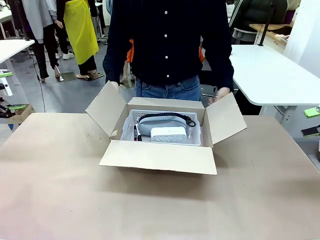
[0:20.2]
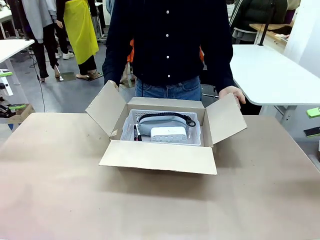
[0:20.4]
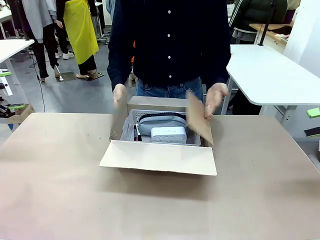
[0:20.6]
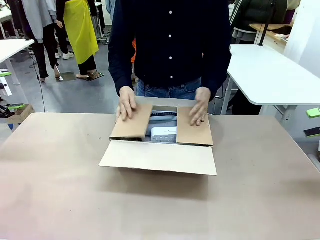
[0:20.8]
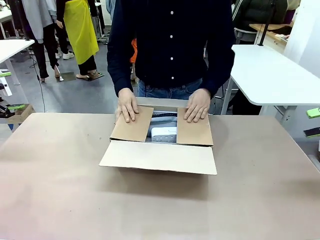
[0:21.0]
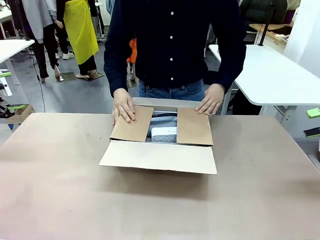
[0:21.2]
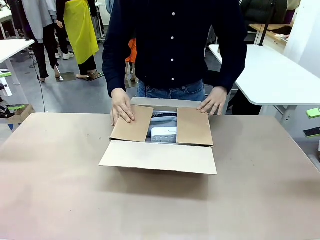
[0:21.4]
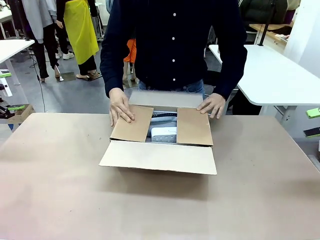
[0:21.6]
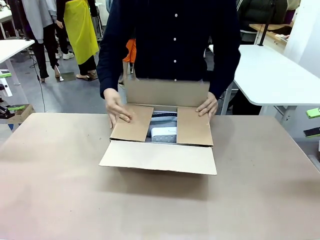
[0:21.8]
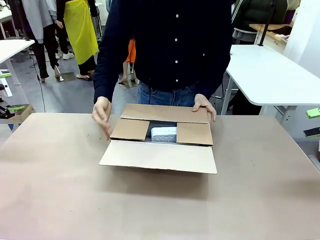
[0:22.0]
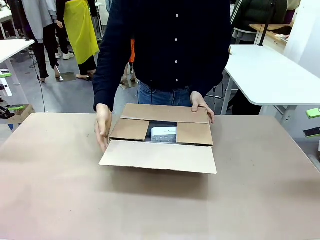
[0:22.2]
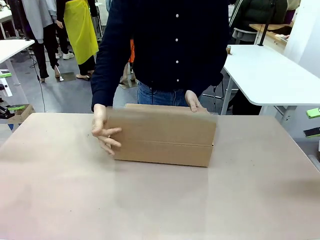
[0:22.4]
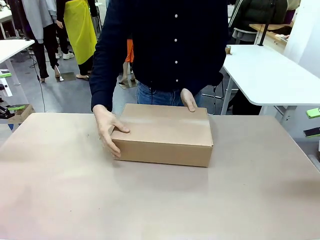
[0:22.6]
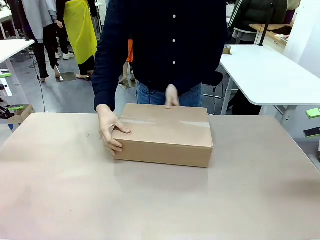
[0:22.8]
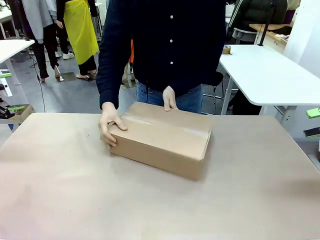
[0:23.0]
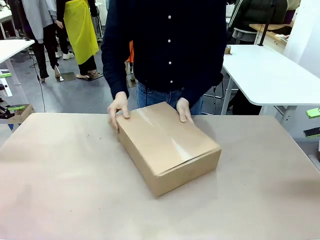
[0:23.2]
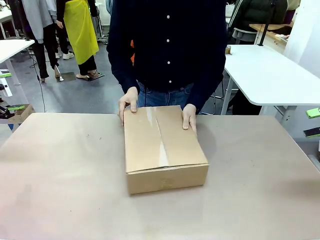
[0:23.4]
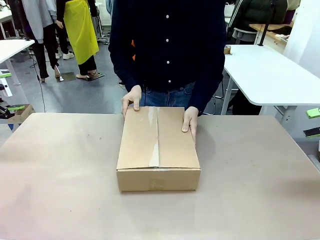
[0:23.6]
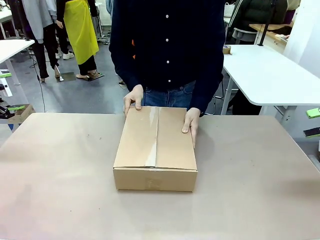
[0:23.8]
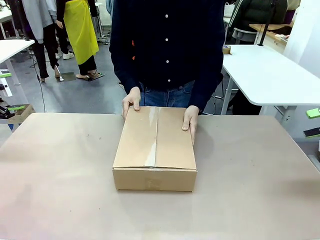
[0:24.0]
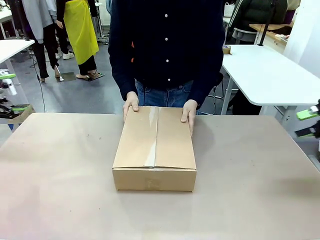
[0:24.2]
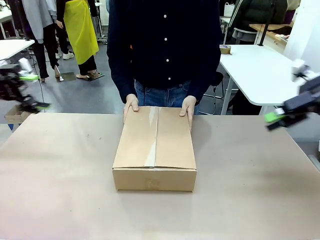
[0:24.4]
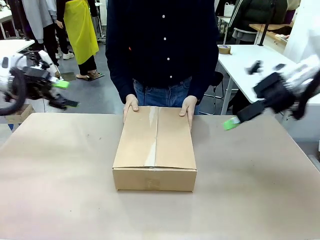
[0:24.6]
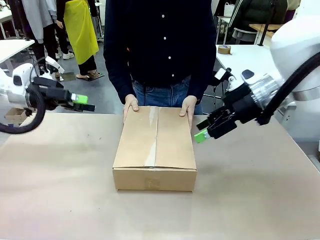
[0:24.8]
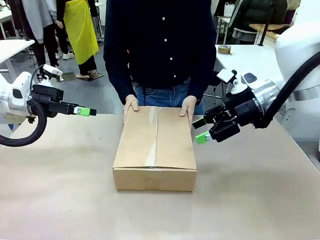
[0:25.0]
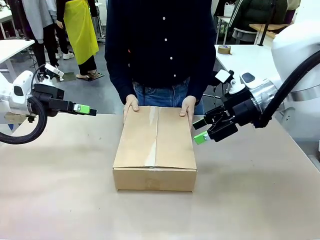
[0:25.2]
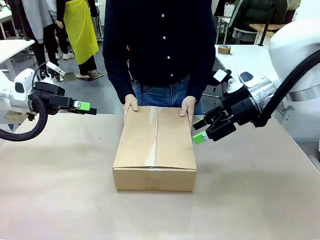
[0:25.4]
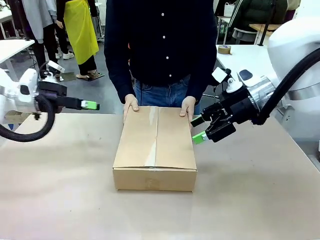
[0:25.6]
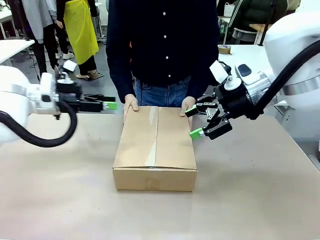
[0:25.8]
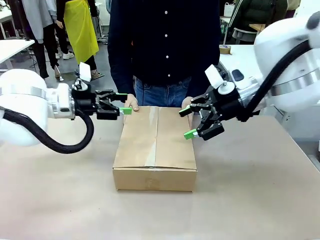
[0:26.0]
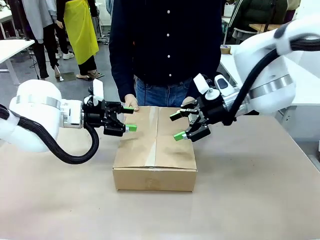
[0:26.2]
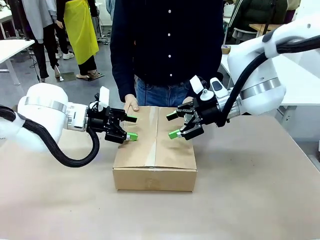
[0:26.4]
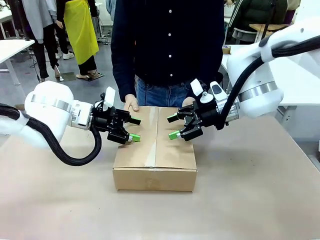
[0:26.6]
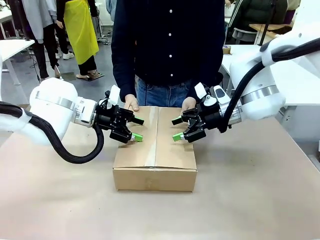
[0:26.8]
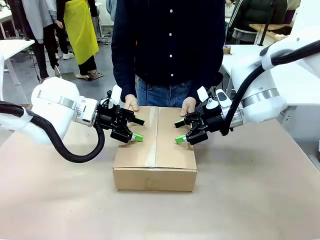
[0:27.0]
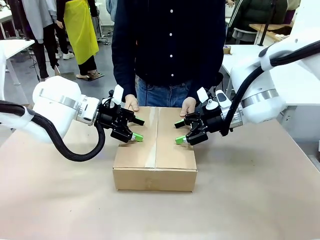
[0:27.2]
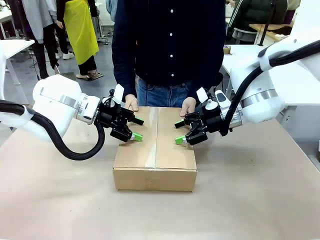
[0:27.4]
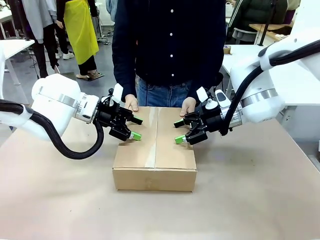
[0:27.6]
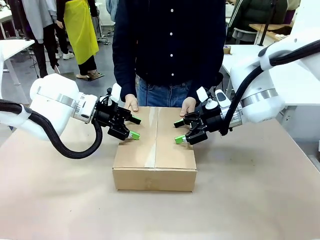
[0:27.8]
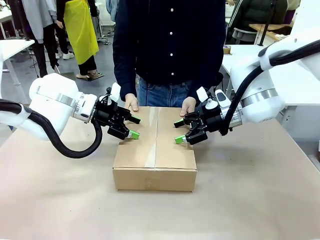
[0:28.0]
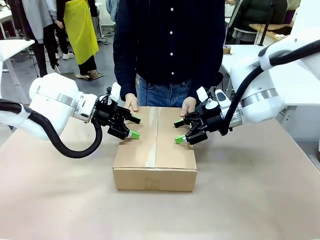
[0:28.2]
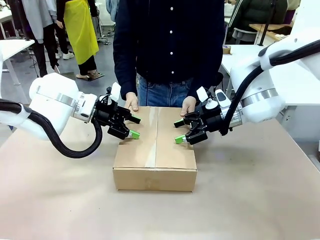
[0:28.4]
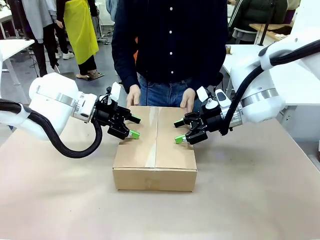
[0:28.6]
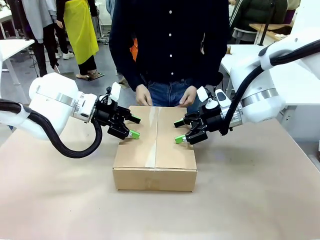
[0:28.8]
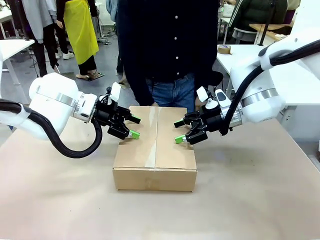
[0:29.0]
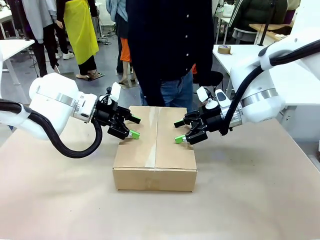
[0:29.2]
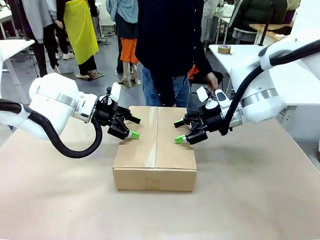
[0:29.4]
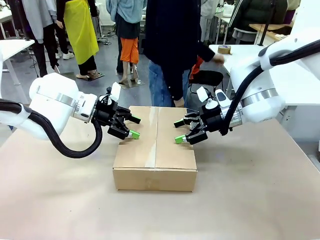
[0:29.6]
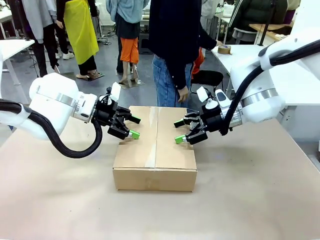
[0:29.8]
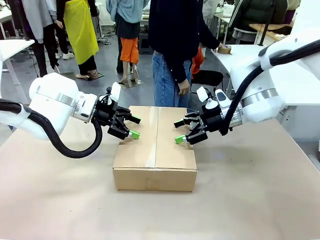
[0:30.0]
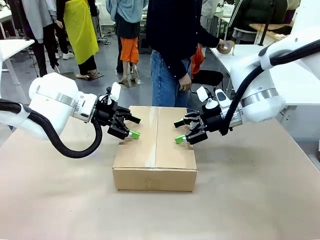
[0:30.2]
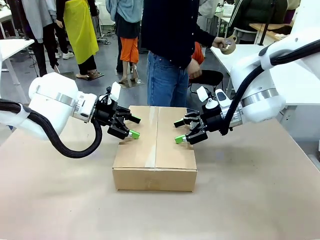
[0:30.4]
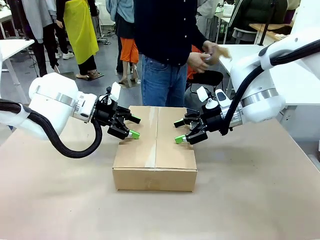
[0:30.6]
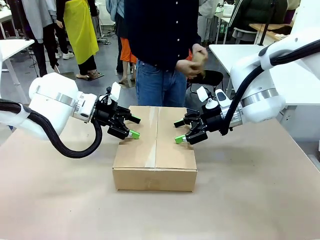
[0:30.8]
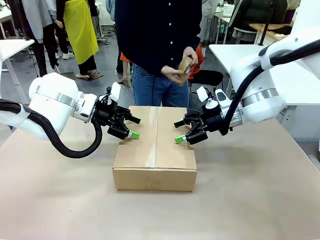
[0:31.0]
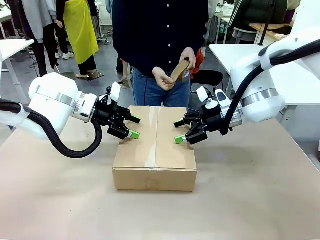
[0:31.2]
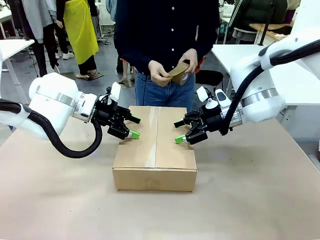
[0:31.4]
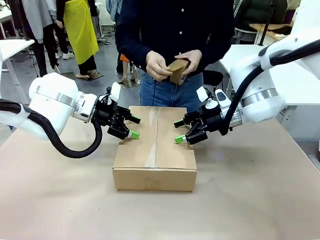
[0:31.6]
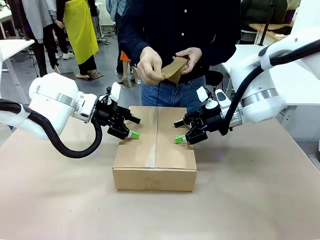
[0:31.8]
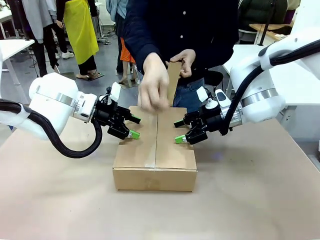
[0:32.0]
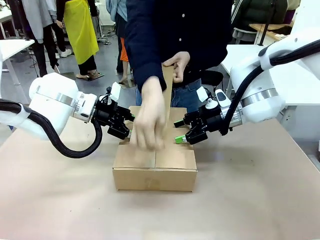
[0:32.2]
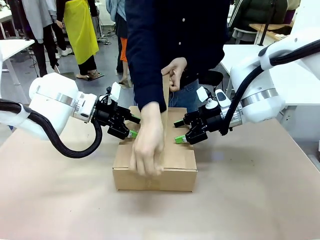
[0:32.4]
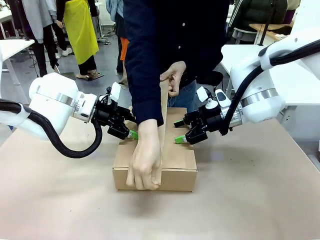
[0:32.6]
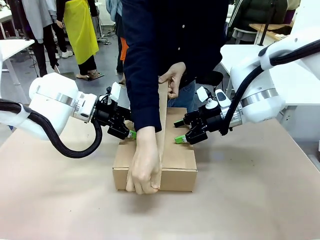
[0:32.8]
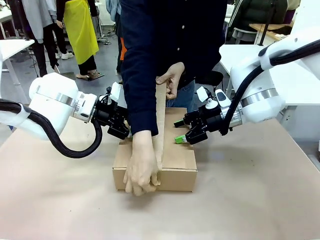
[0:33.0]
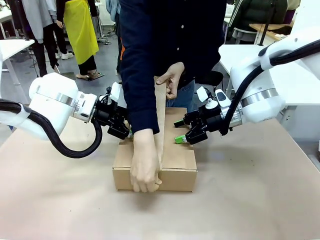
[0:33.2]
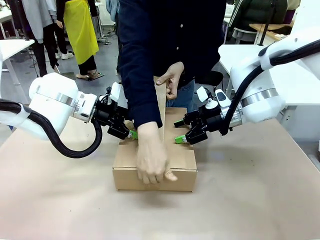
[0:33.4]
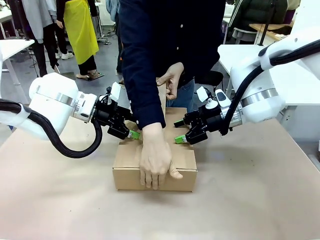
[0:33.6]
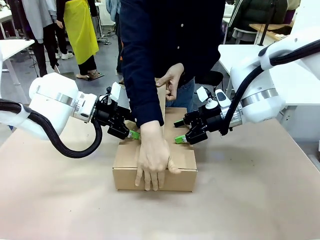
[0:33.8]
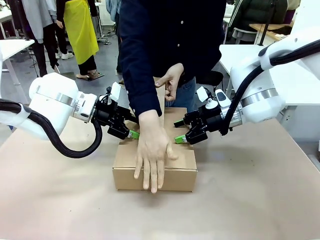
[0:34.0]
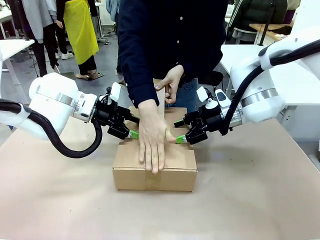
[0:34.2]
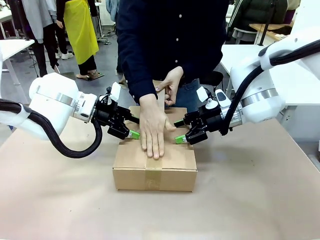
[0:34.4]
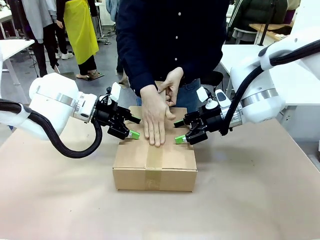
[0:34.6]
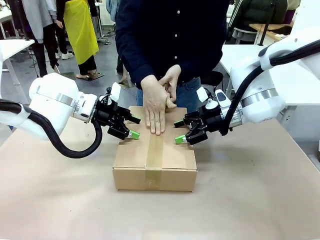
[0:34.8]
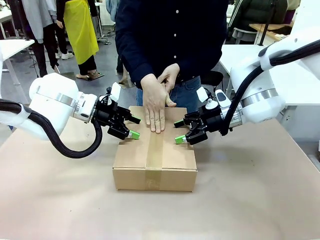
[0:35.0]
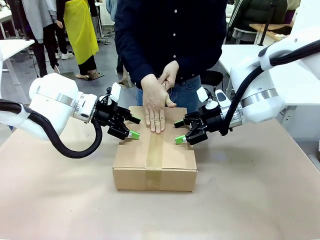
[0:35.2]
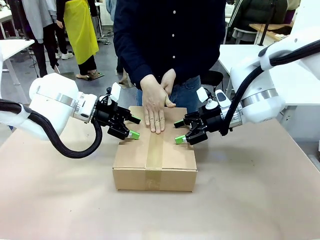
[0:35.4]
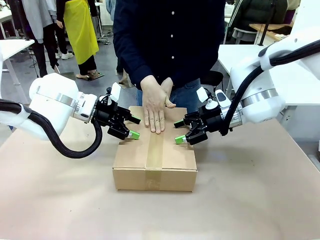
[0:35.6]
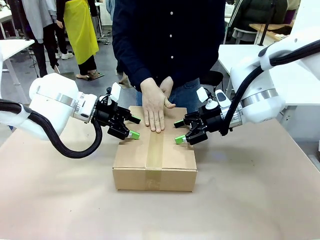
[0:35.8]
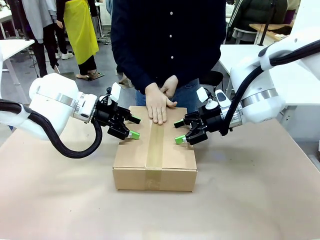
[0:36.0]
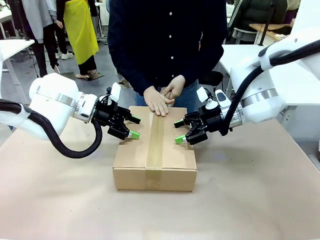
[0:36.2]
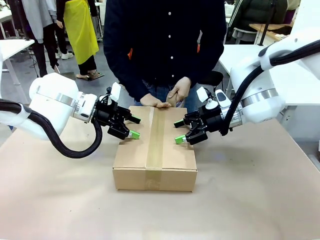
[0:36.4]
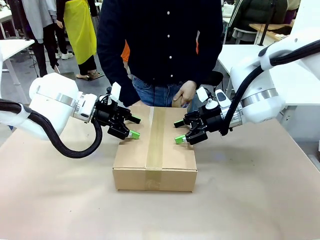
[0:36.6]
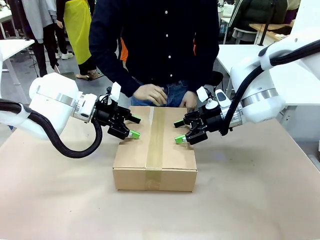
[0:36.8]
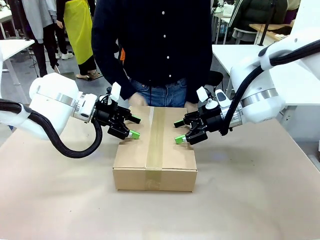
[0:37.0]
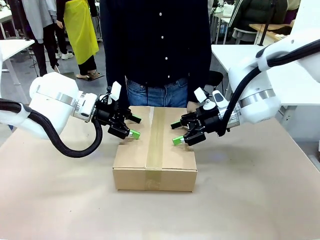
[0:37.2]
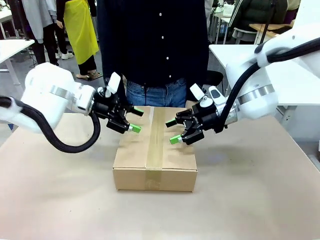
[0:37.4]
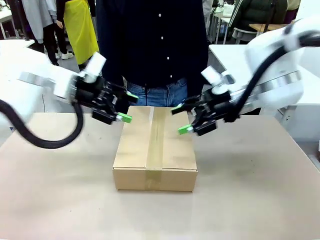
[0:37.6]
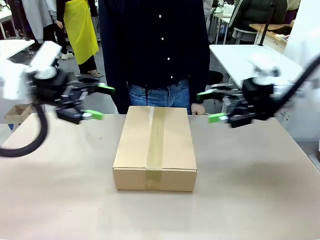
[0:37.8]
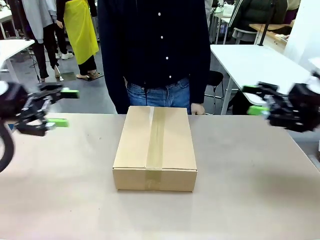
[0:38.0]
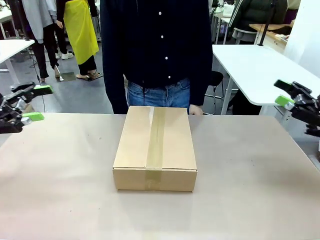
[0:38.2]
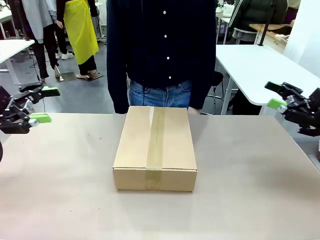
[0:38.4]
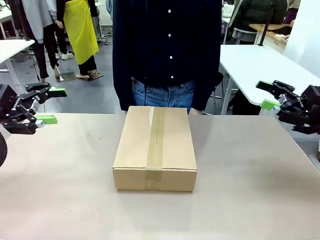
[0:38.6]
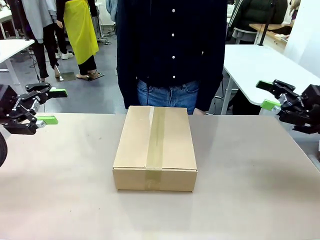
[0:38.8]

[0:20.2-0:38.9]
Task: Pack the gift set into the box.
Robot: Press and hold the closed box until the human finishes sealing it.
Person: The human closes the box and rotates the box by 90 degrees. The human picks up the paper tape from the human table and packs the box.
